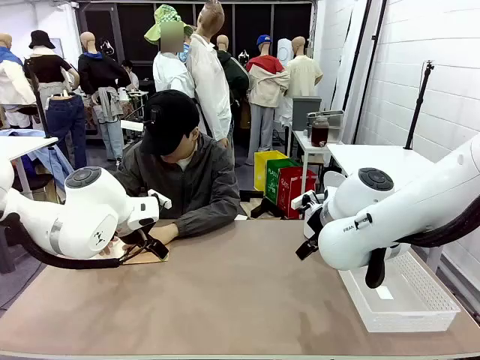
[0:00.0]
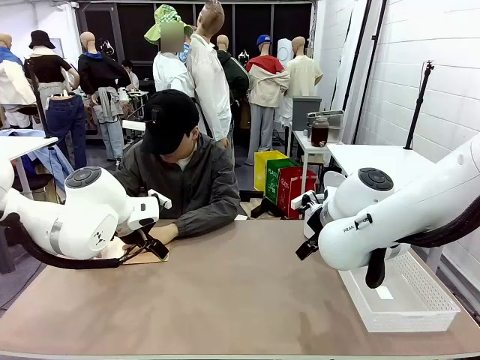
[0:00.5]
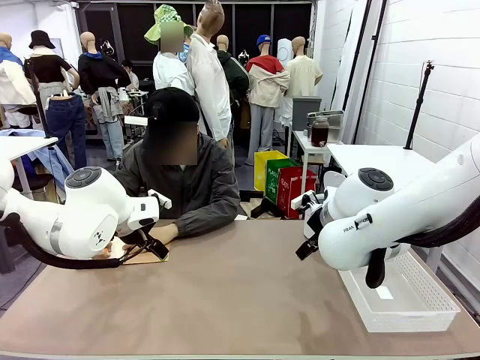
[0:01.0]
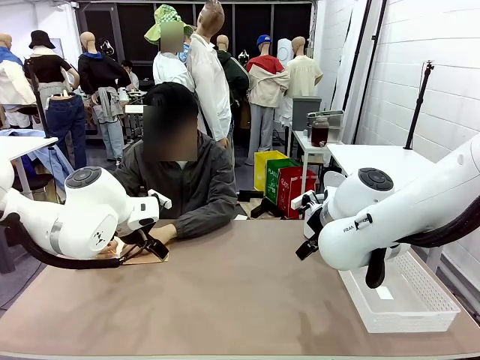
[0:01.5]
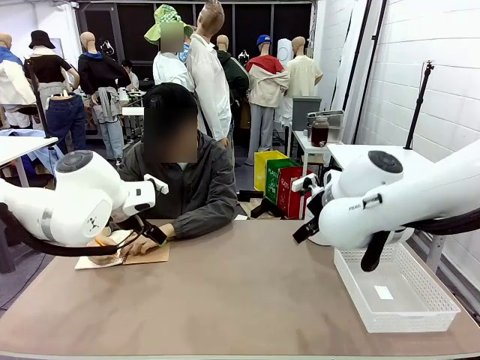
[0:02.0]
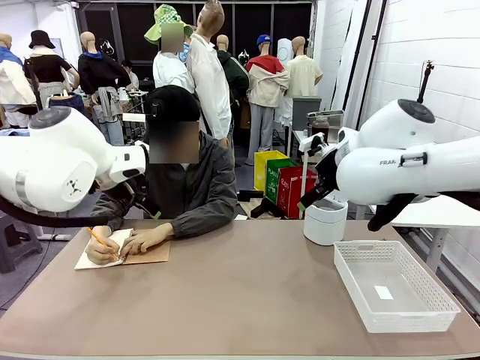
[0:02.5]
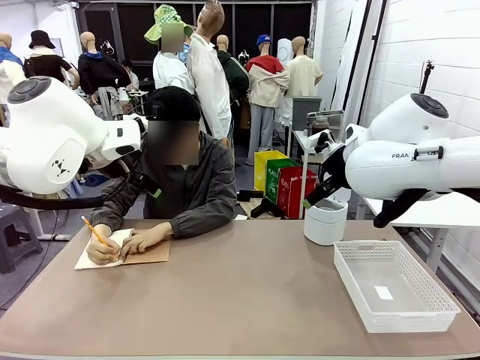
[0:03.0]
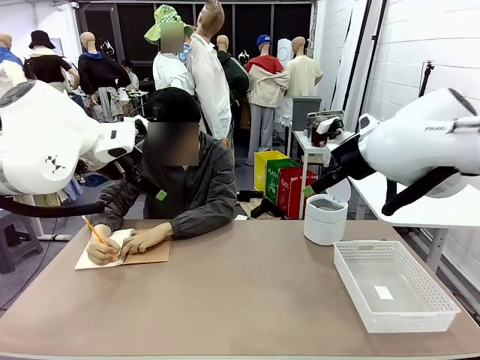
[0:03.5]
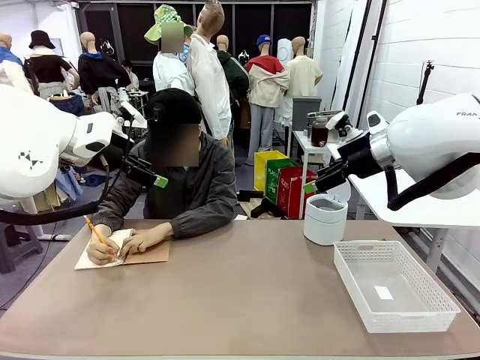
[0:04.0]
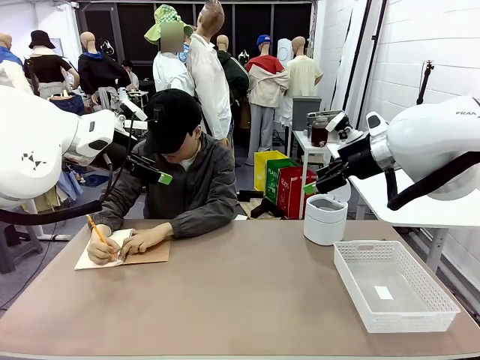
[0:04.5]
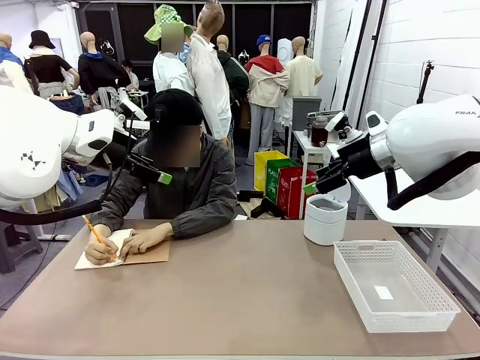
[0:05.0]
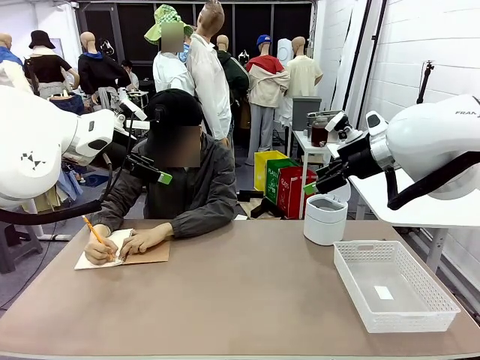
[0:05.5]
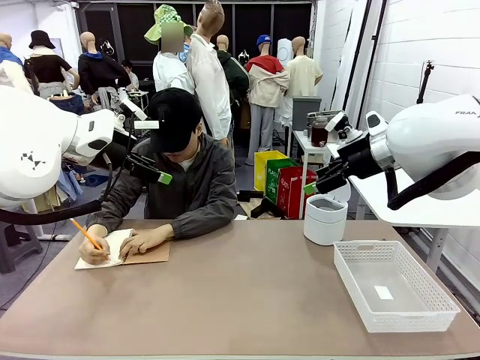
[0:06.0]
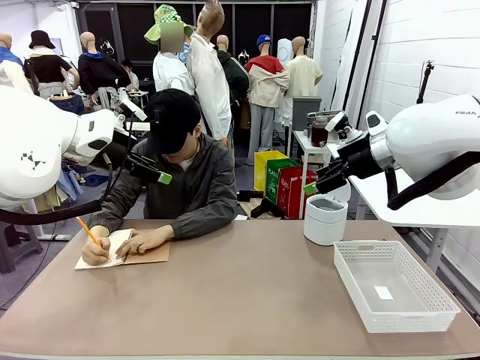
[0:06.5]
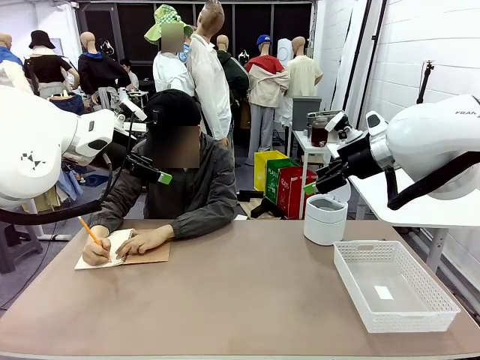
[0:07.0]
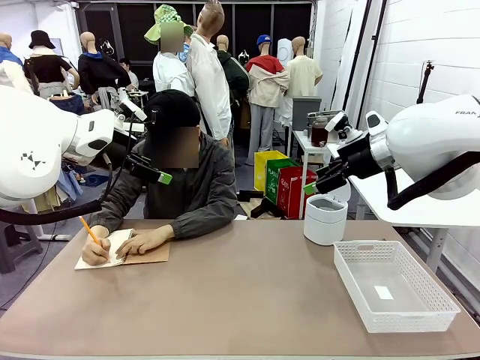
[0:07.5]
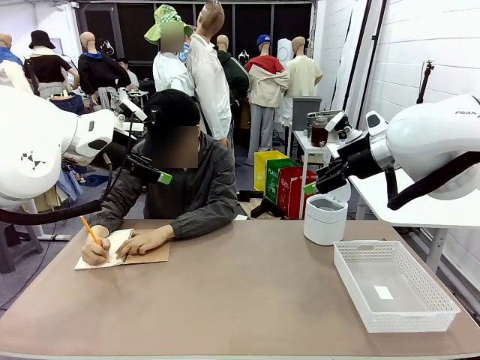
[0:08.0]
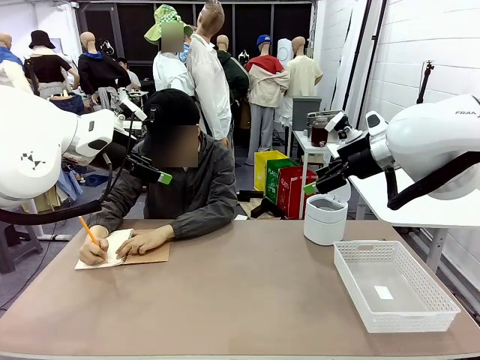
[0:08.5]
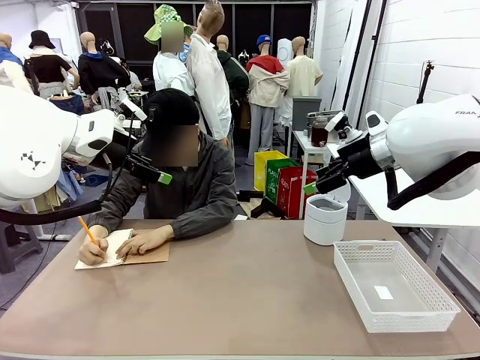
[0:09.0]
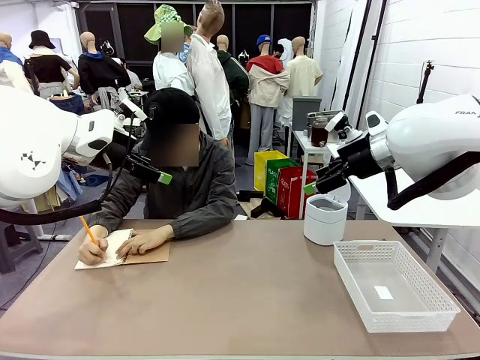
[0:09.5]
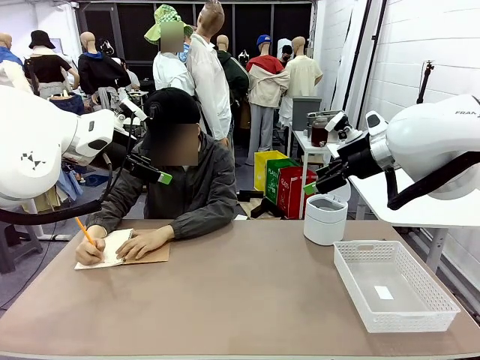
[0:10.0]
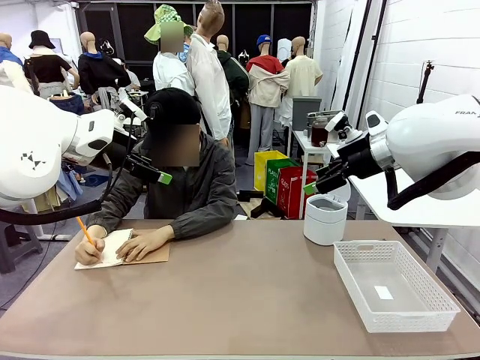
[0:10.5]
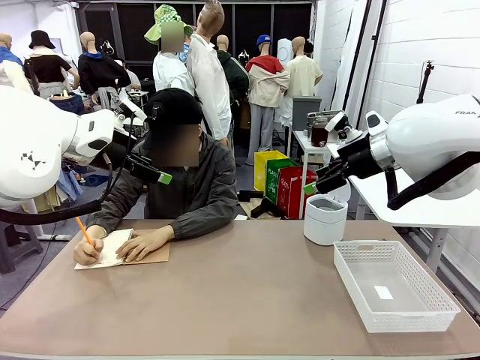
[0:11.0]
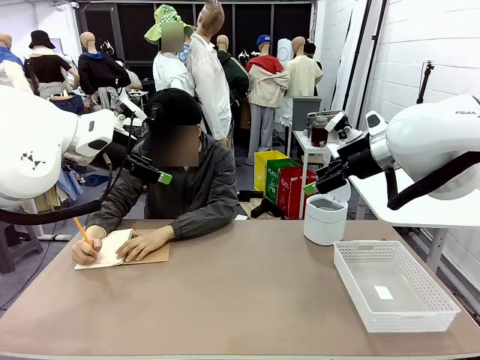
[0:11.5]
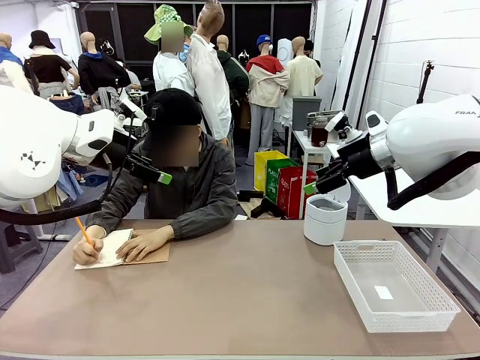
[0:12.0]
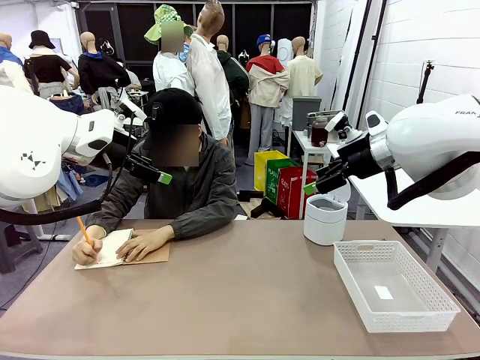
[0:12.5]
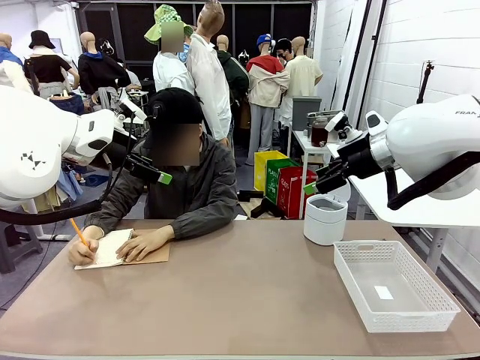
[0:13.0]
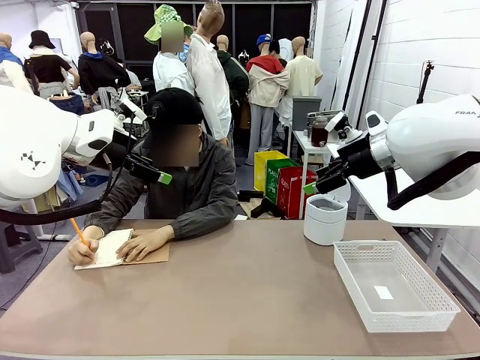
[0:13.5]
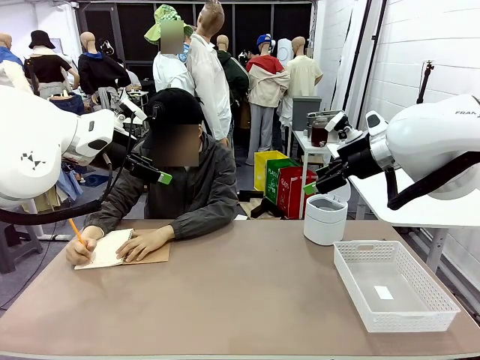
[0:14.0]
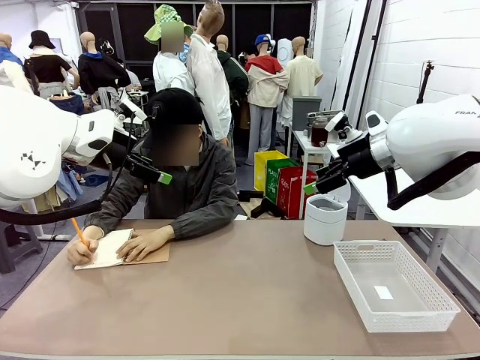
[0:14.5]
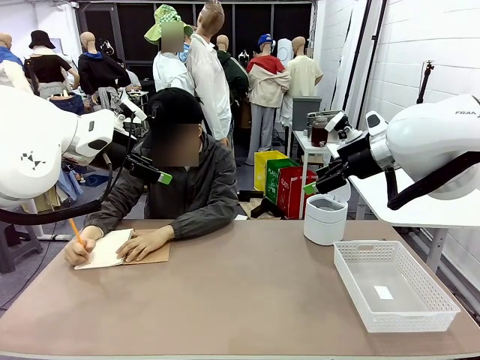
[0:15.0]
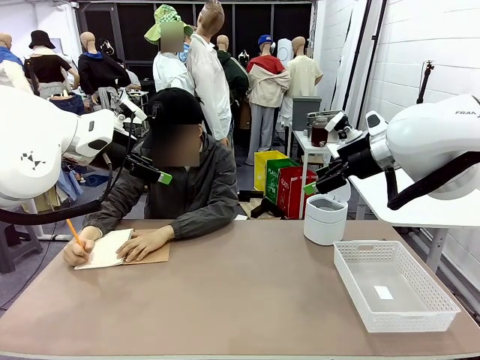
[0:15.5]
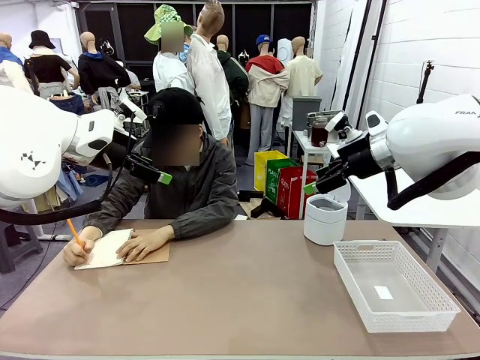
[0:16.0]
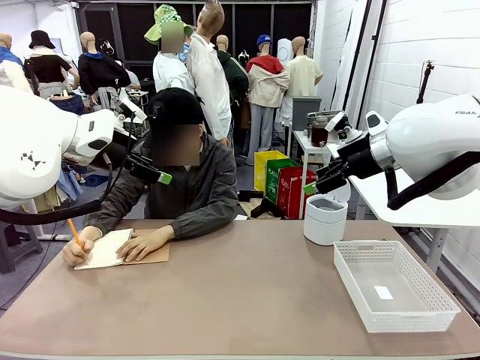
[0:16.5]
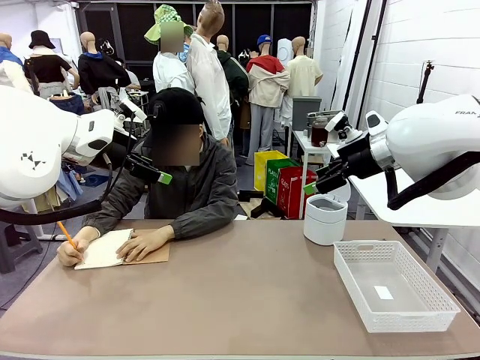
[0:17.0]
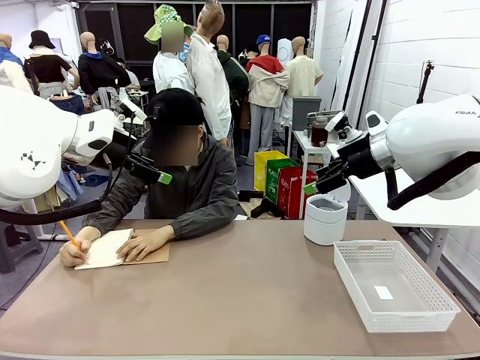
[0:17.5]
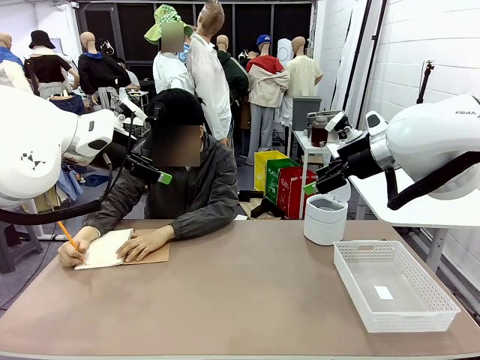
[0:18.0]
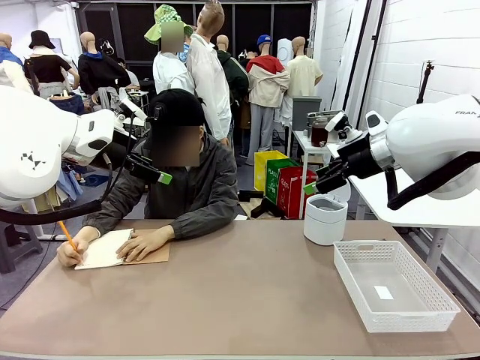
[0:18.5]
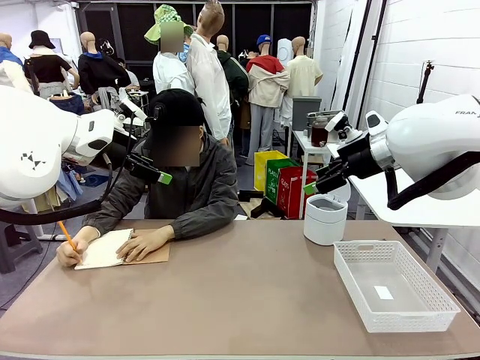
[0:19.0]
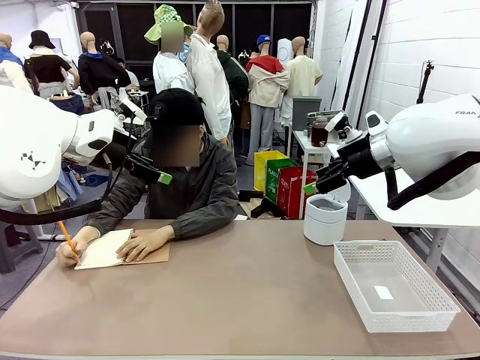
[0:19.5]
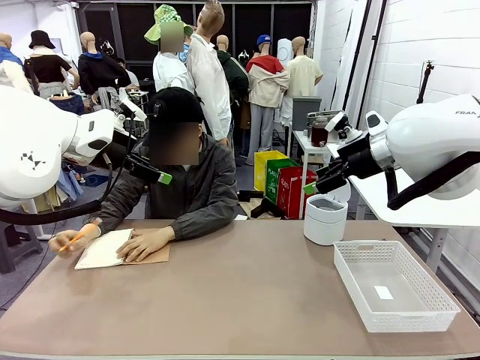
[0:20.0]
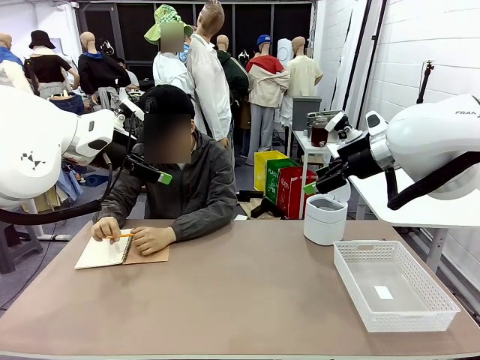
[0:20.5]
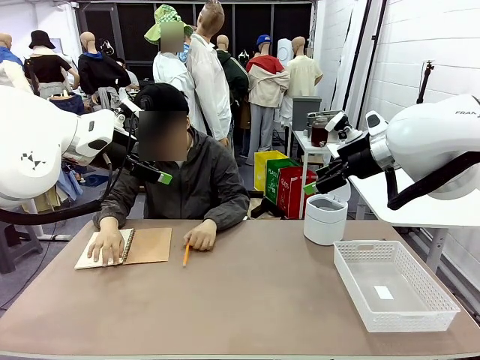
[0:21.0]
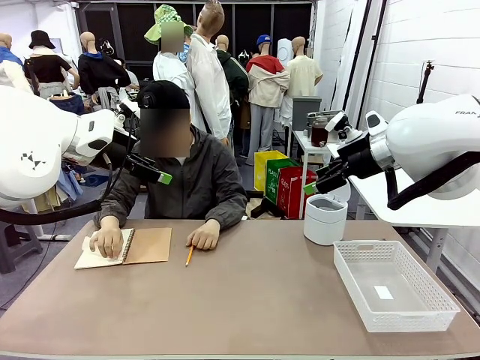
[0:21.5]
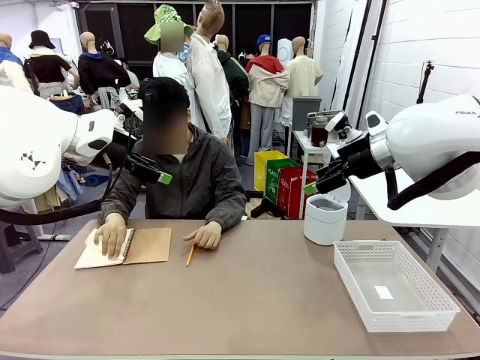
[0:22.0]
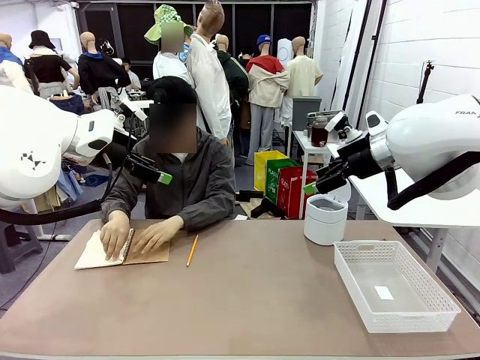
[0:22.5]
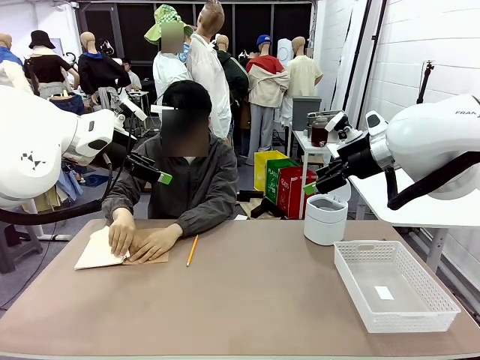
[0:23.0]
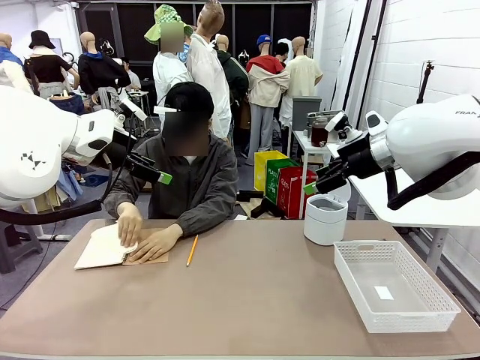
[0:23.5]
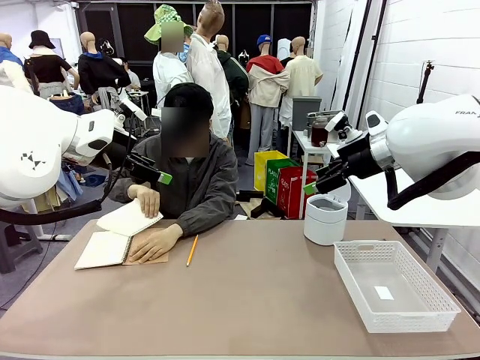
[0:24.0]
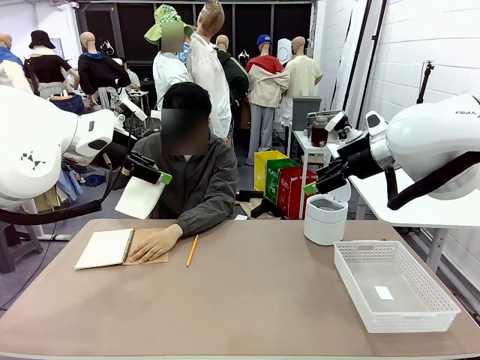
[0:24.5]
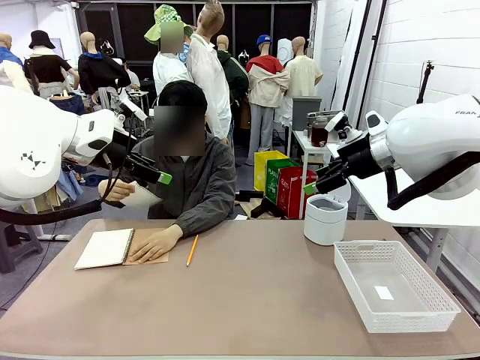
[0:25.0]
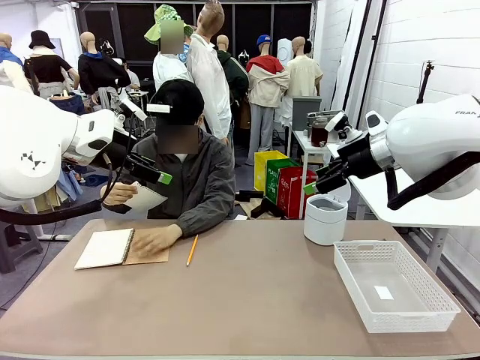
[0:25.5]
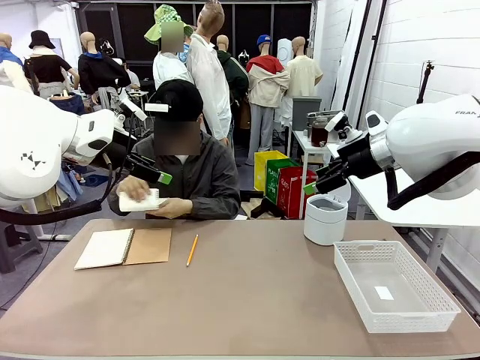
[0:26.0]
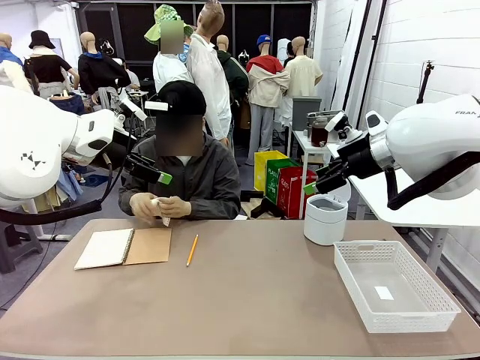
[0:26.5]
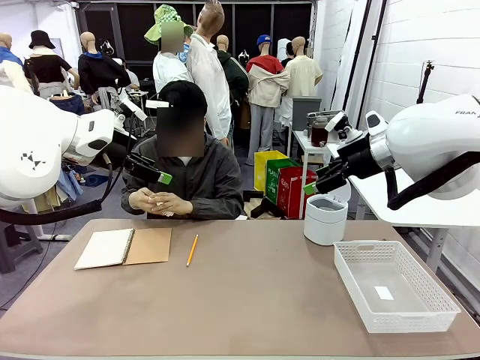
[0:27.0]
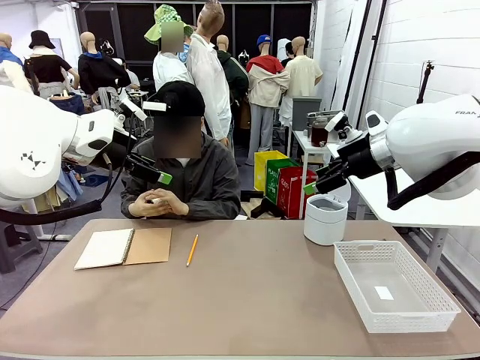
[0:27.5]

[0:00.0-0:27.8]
Task: Sort the paper based on its condition.
Robot: If a person hands you a paper, place it in the Organizing basket , and if it's crumpled, put it in the Trash can.
Person: Tear out a page from the spiral notebook.
